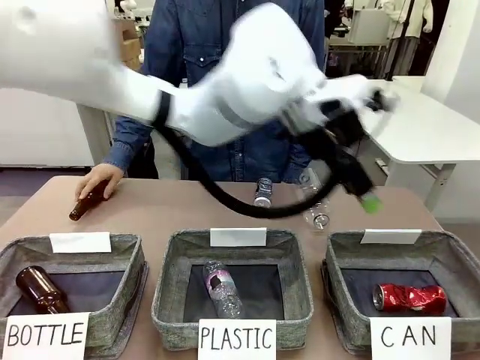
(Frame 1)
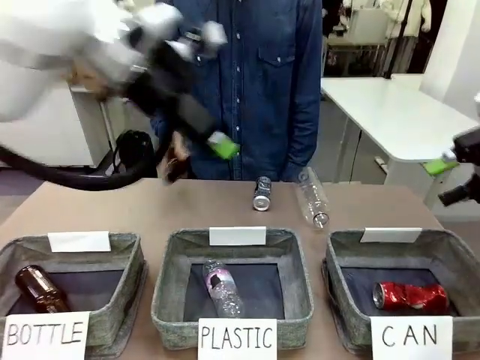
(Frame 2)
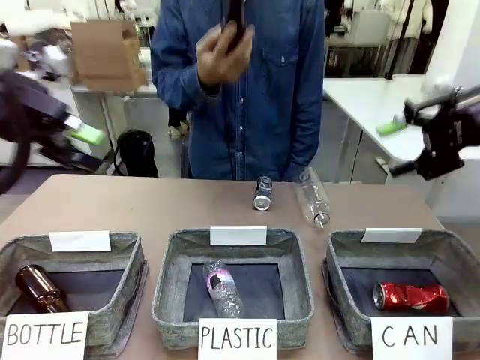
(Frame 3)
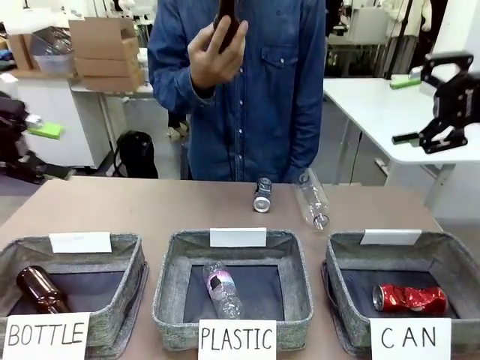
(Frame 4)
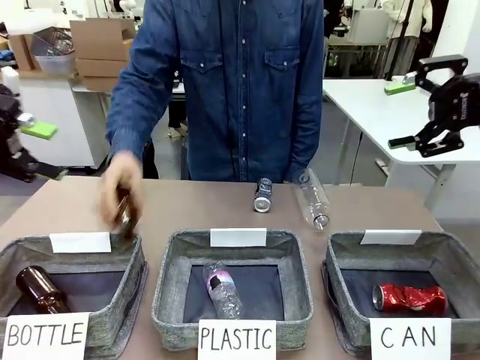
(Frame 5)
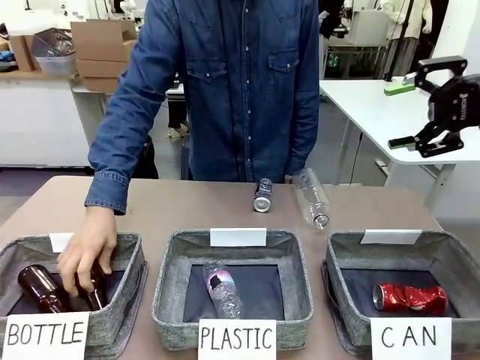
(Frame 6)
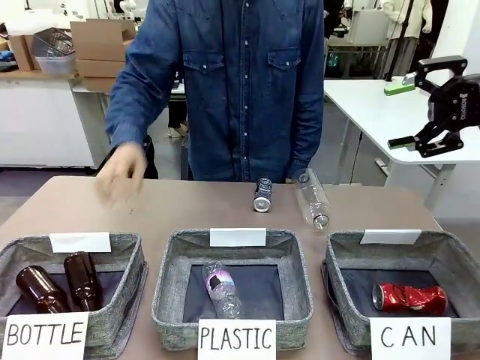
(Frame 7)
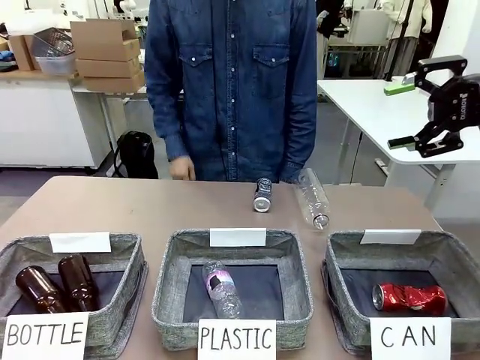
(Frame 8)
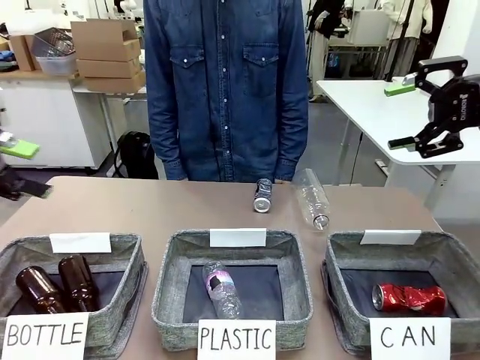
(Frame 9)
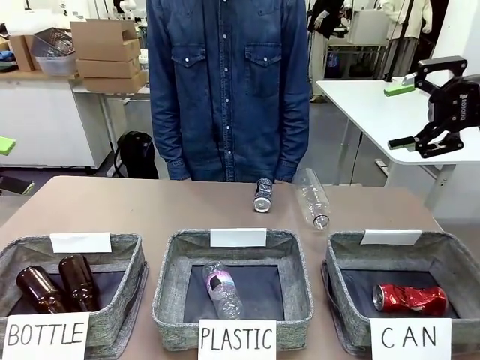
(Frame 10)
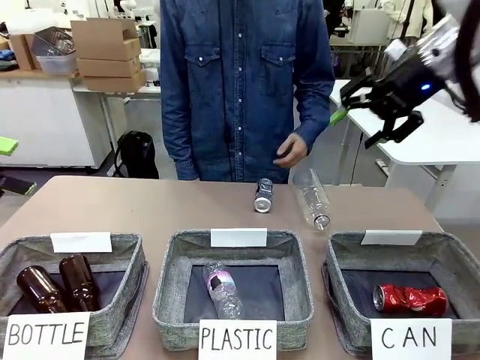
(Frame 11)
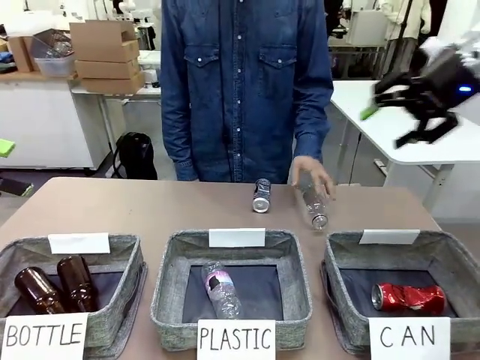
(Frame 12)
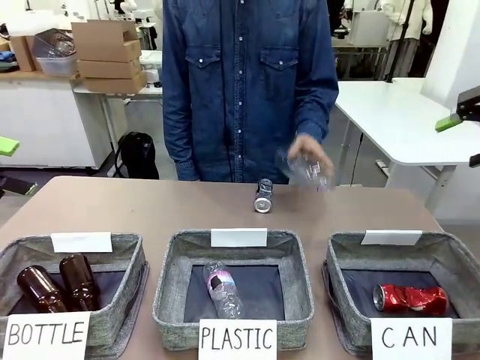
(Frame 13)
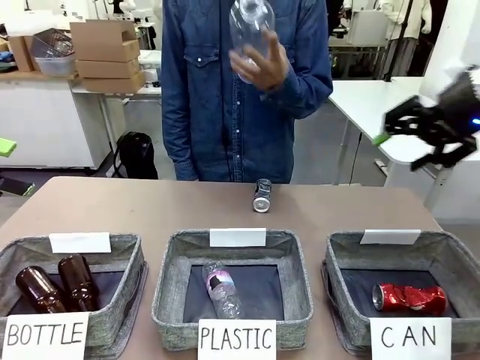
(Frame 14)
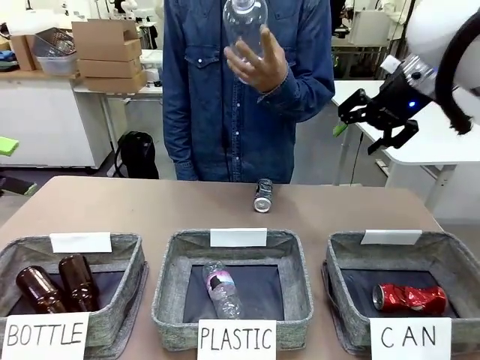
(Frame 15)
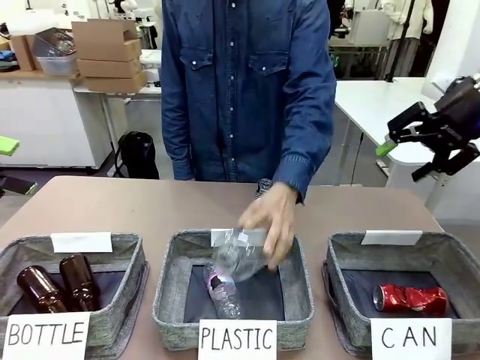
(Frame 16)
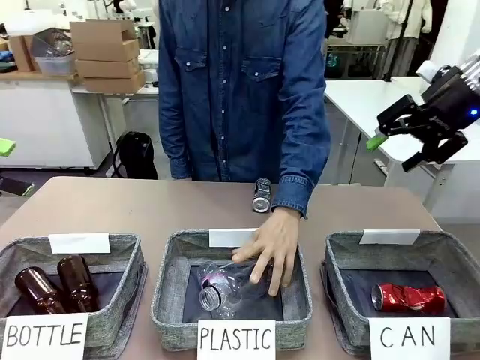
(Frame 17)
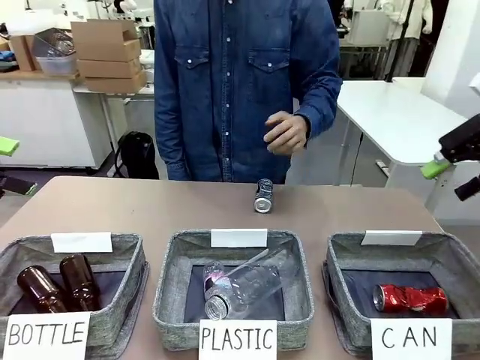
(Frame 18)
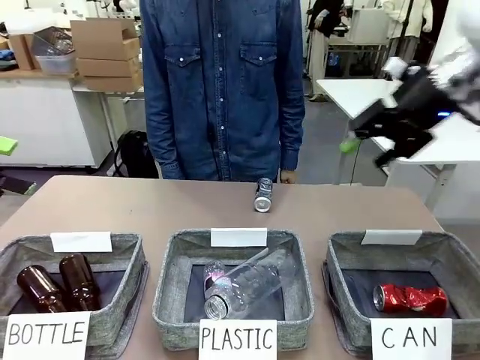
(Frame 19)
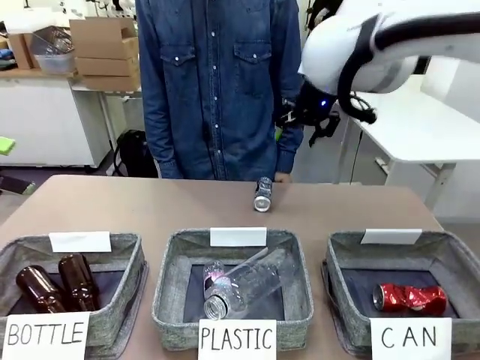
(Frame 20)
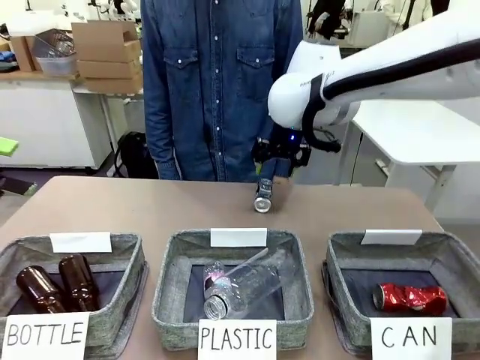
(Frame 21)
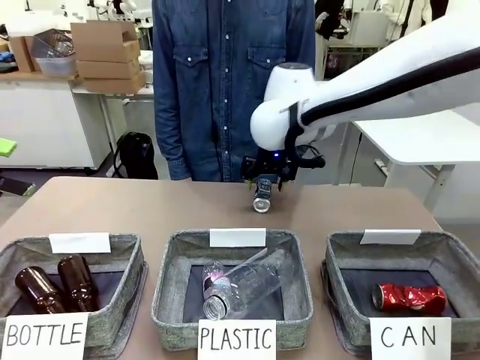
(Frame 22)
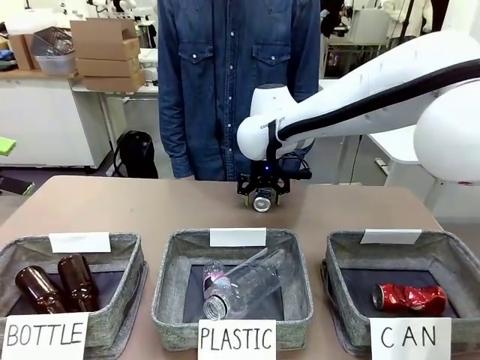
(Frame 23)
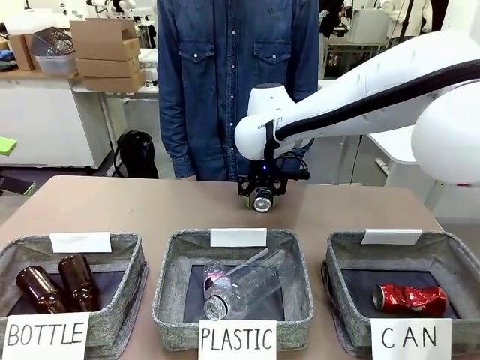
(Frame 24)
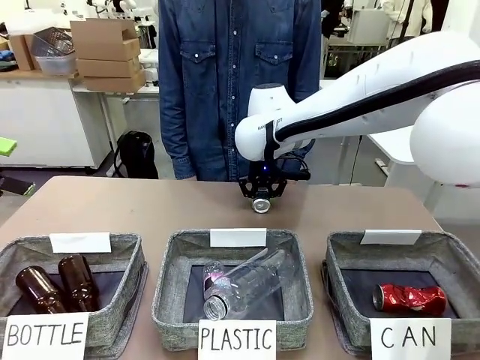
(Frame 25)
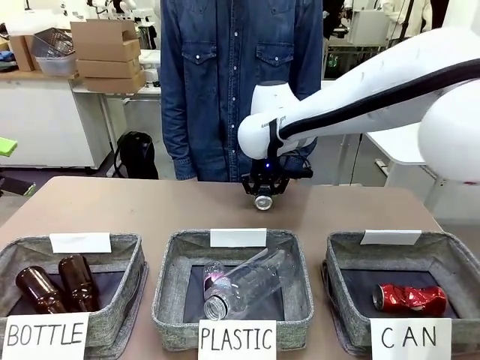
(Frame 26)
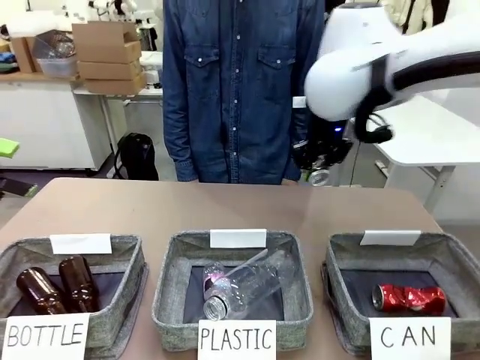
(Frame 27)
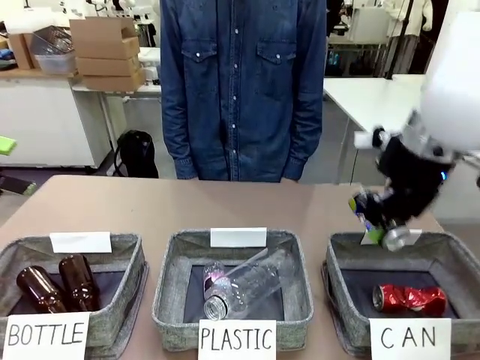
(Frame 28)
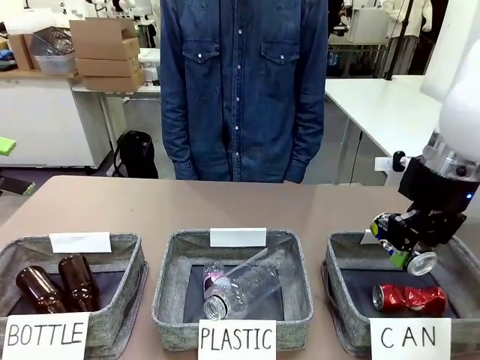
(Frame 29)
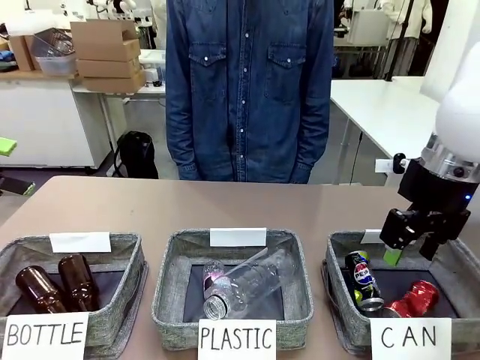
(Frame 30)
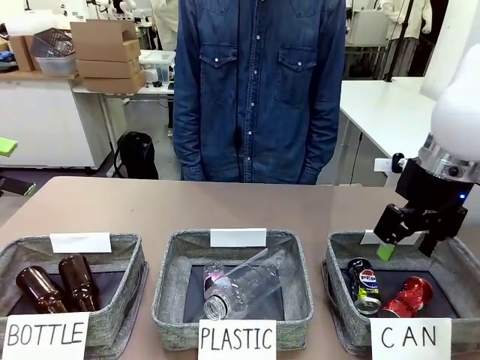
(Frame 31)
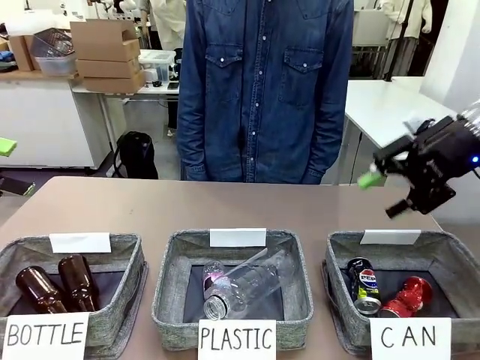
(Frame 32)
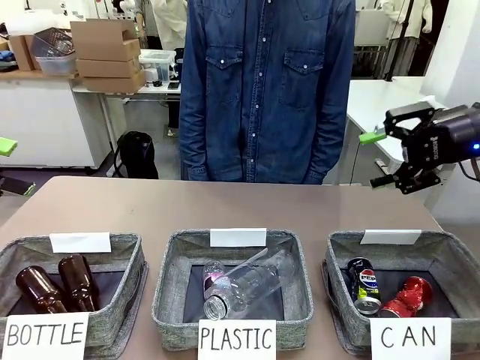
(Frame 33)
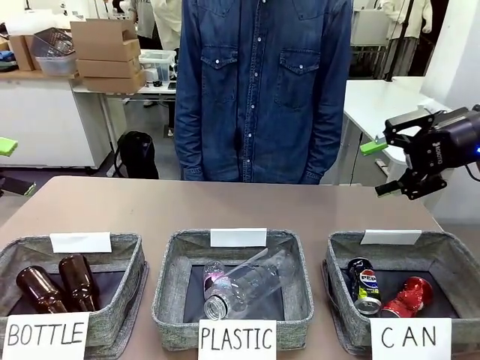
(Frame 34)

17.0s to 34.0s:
Task: Sort the can waste into the basket.
Robot: Pick up the can waste from the table and place it in the right Fabric basket.
